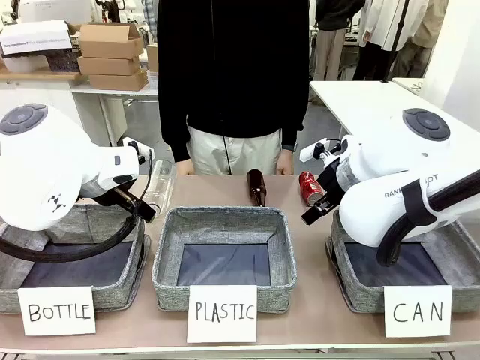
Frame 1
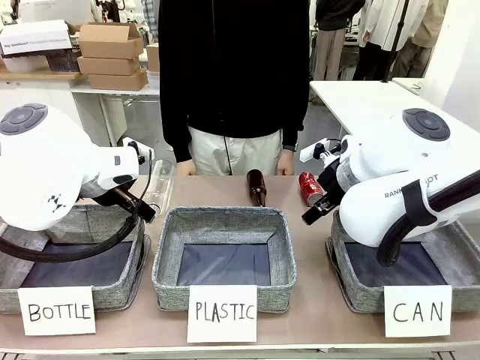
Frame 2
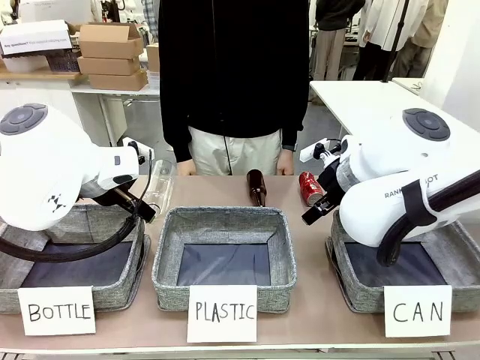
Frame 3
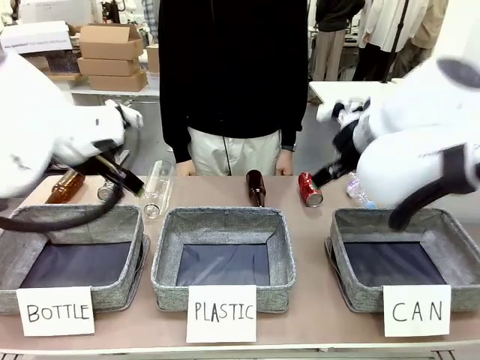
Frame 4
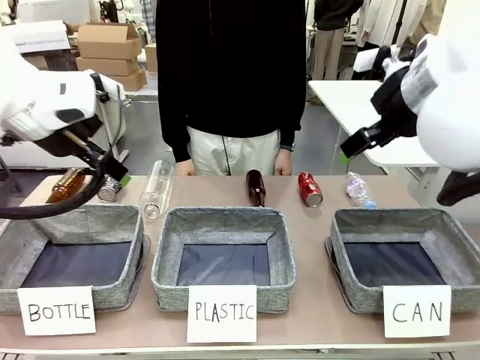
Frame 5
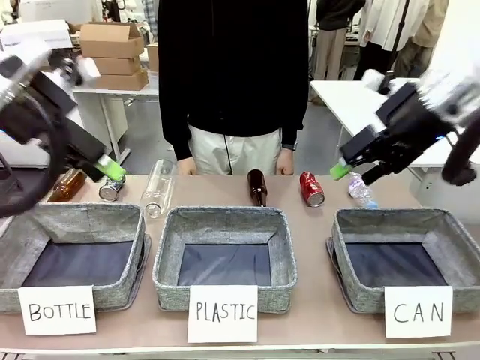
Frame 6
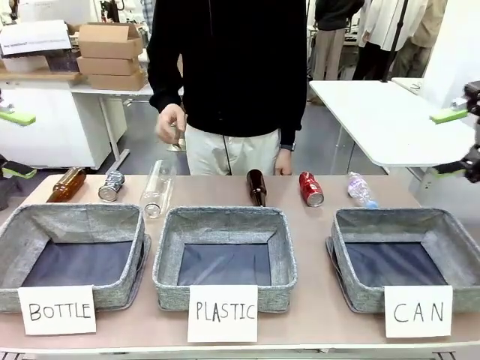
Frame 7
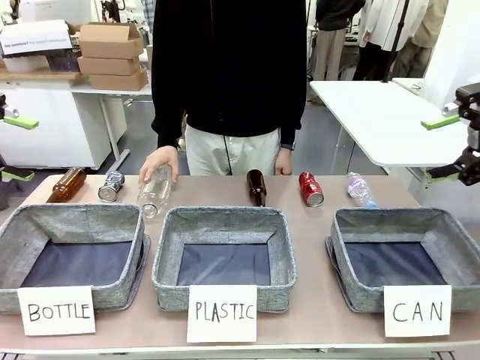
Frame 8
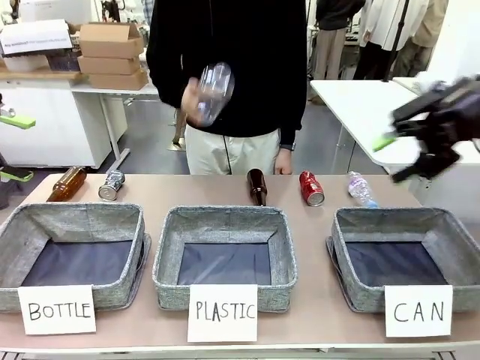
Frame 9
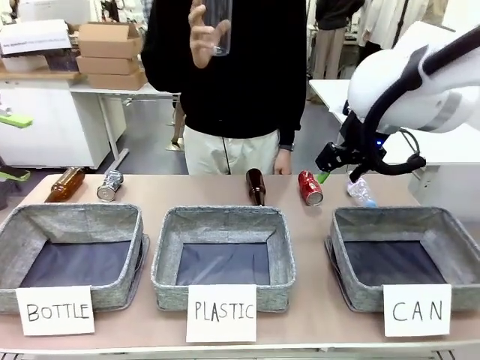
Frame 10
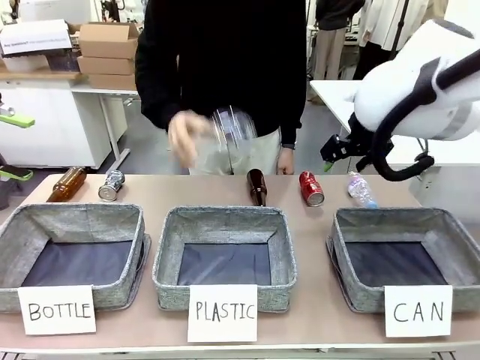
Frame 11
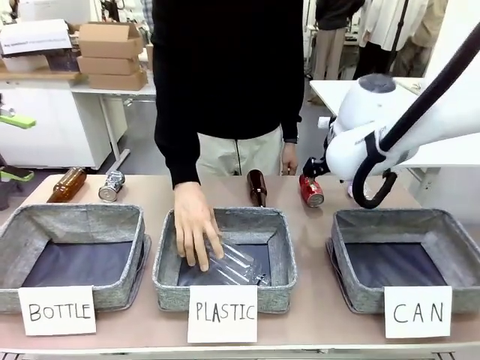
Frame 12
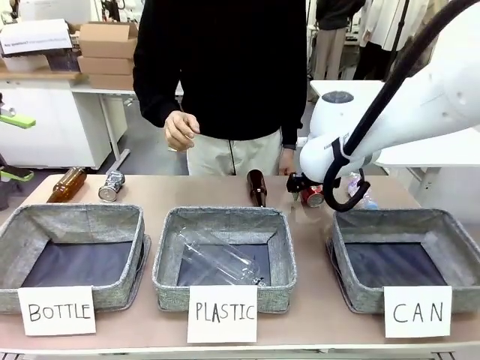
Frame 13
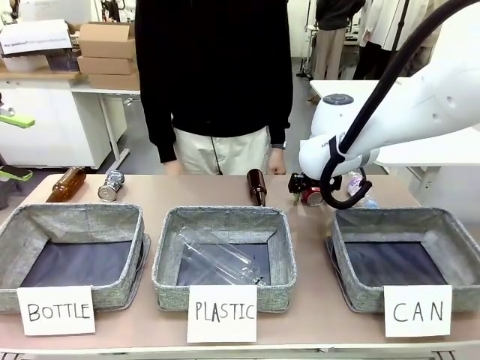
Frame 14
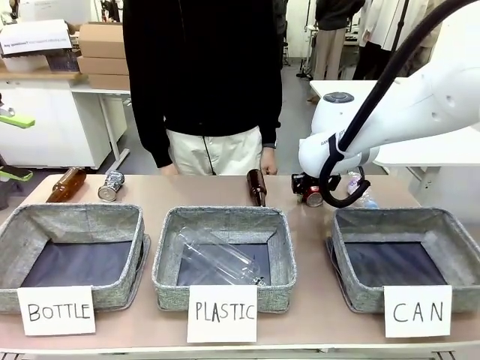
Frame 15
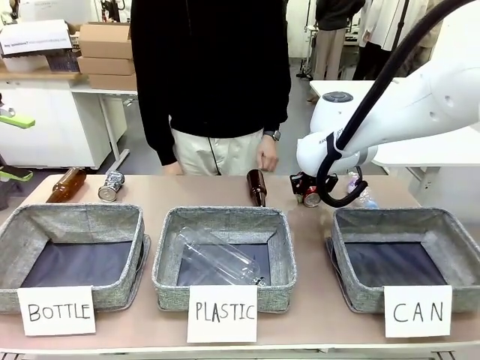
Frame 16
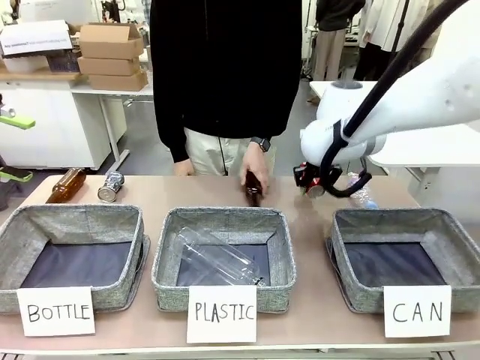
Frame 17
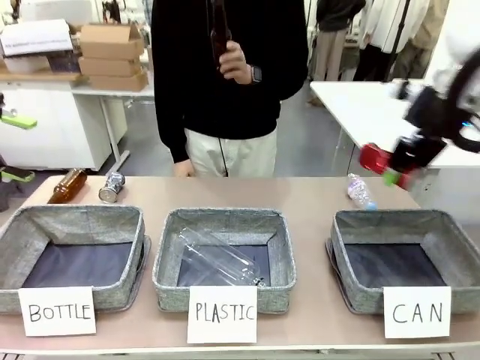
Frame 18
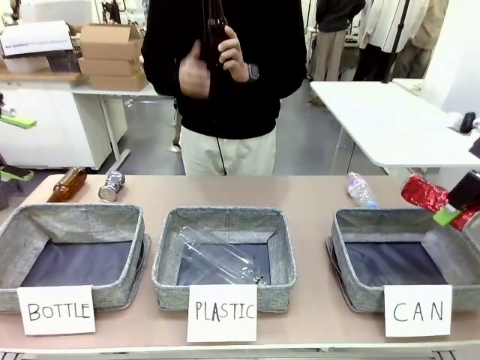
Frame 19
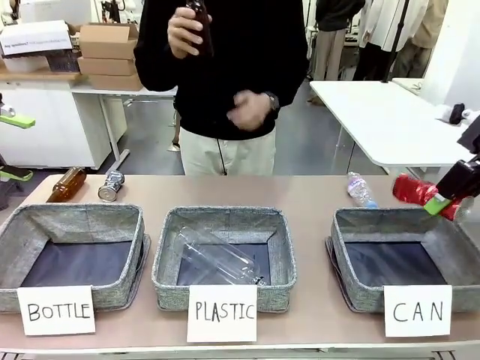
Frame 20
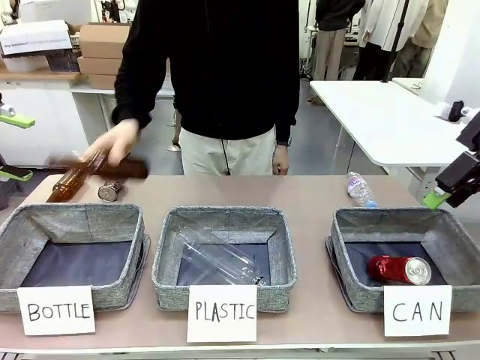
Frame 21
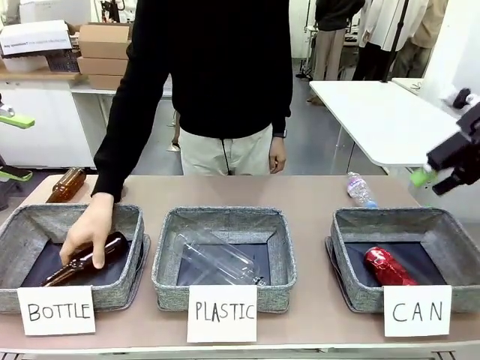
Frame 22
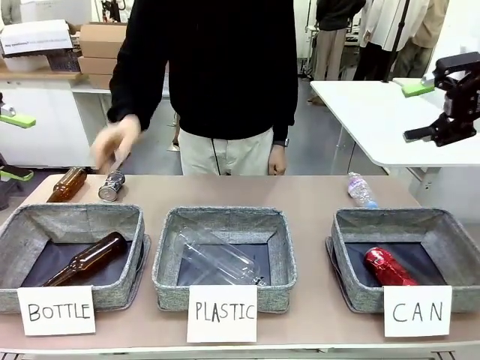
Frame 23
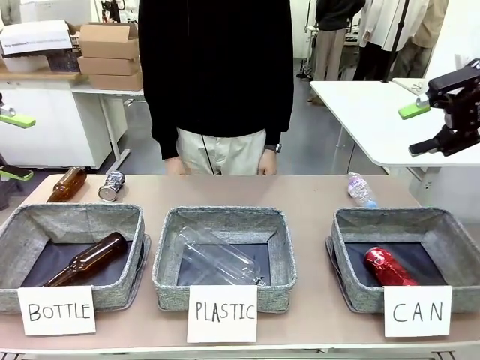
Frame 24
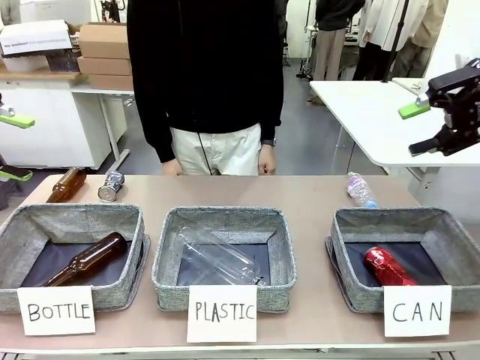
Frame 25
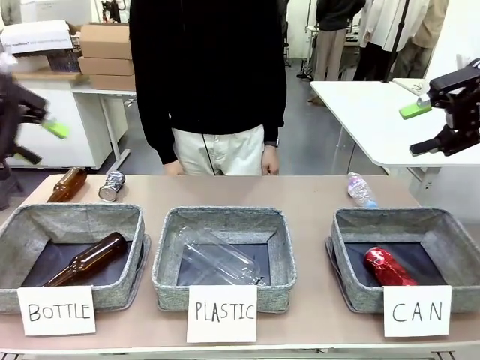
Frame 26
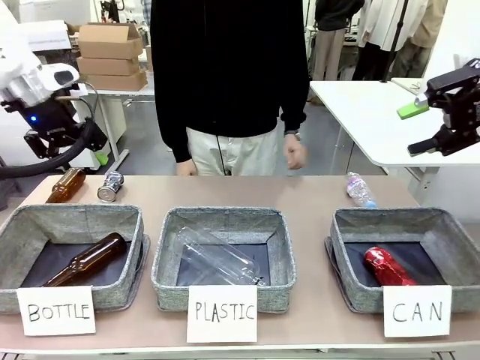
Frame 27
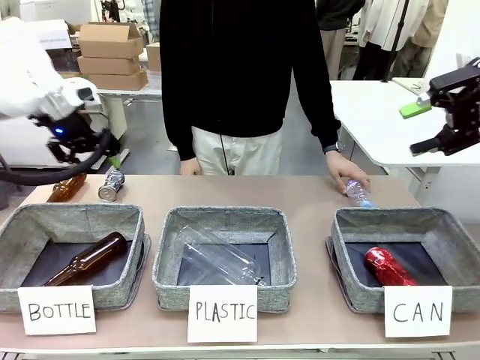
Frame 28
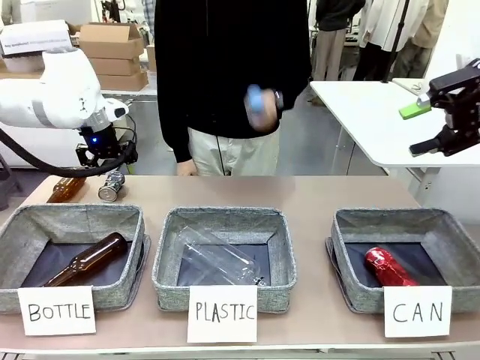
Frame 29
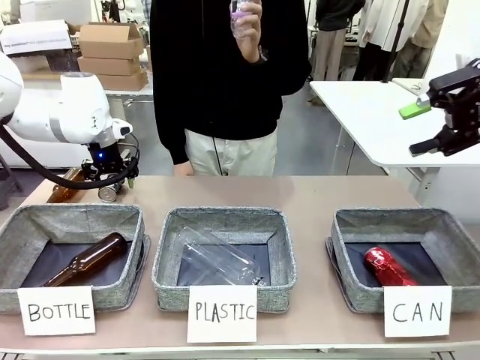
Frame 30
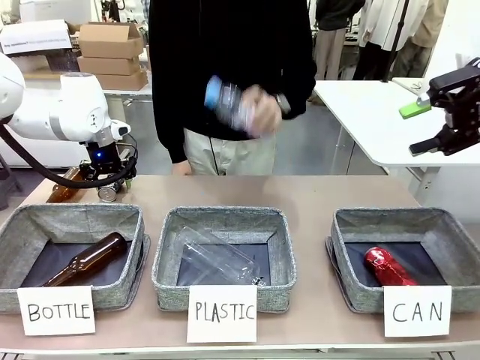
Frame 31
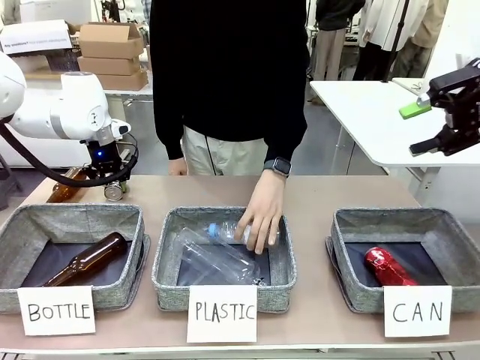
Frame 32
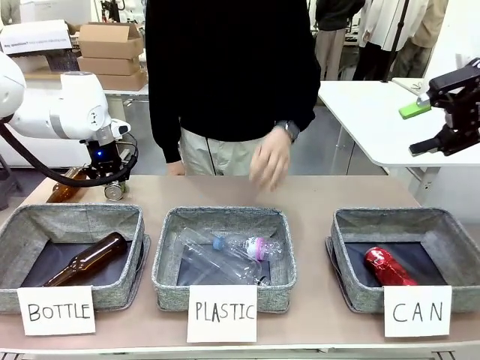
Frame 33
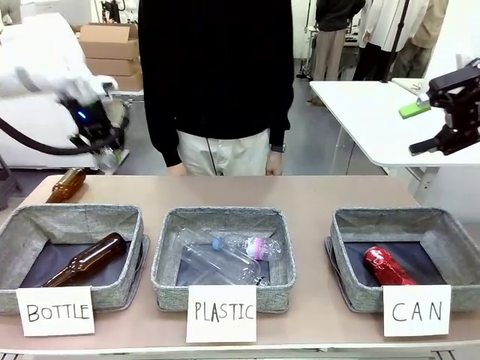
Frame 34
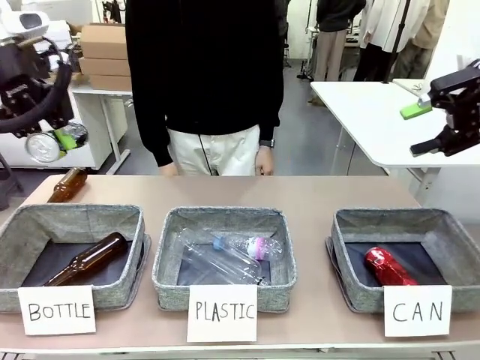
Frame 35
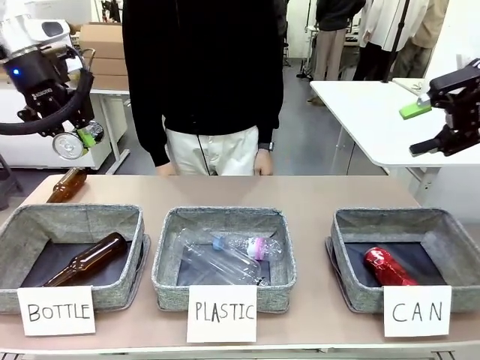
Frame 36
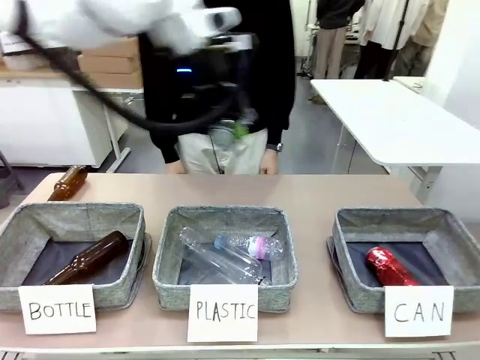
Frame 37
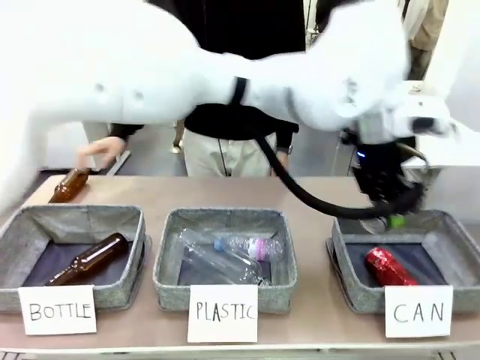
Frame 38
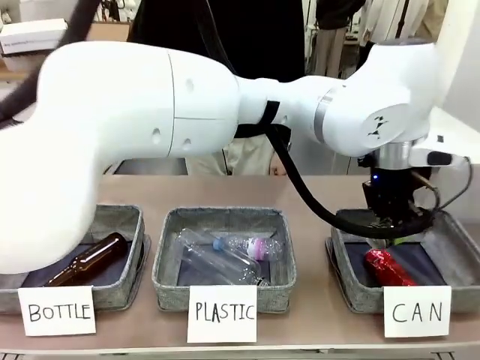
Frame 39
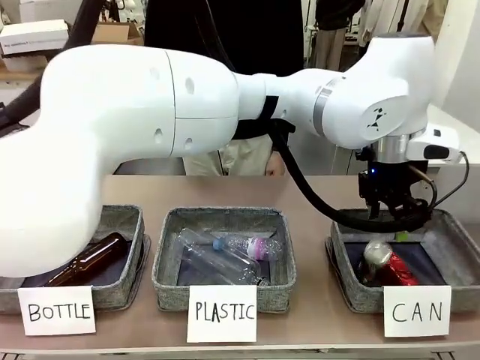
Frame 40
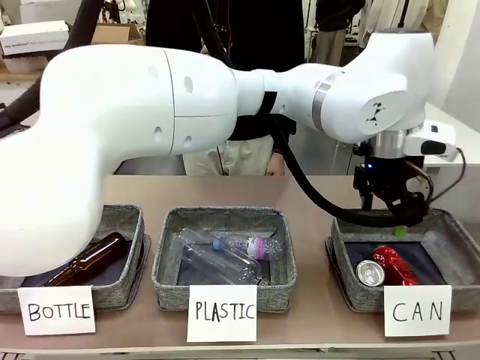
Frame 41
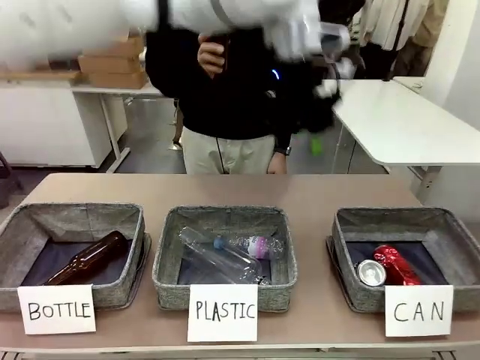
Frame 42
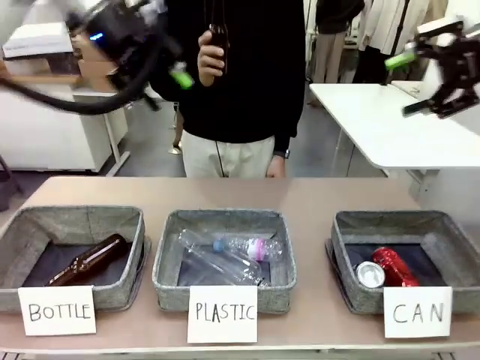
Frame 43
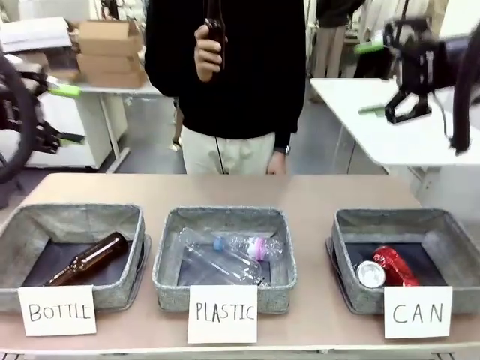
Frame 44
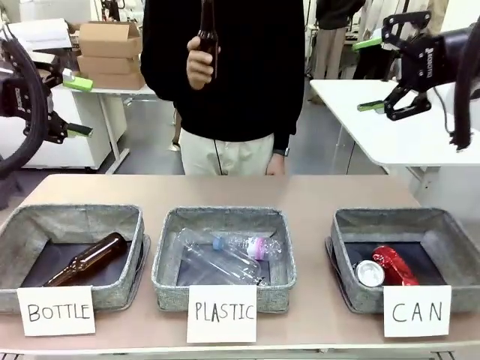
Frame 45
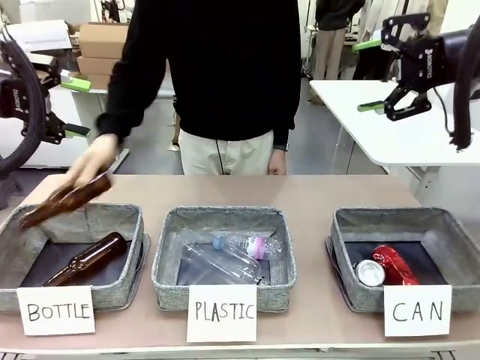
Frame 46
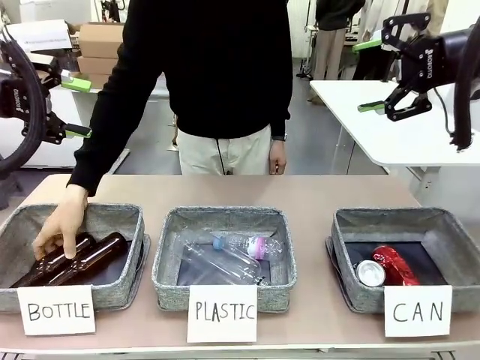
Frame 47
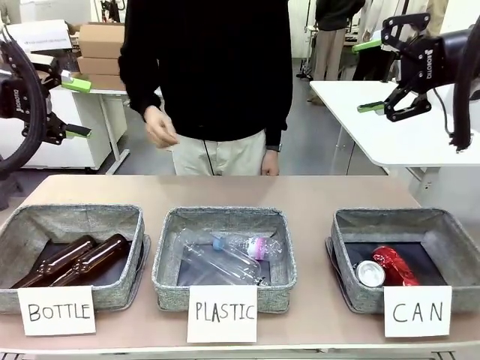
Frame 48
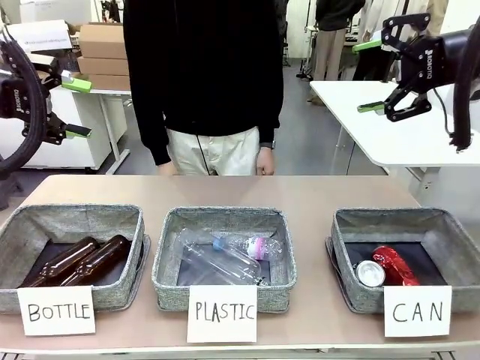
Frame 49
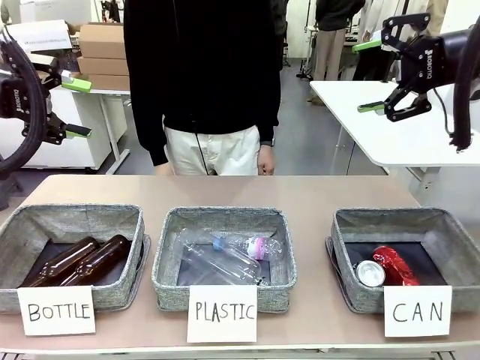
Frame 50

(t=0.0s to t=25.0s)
Task: Sort the can waste into the basket.
Robot: Pick up the can waste from the table and place it in the right Fabric basket.
Person: The human picks up one piece of trash that is not a can and places the trash into the appropriate organizing basket.
